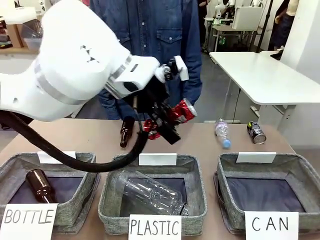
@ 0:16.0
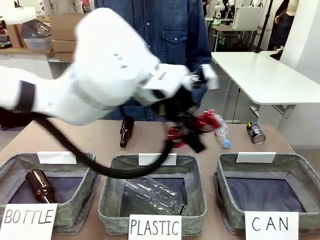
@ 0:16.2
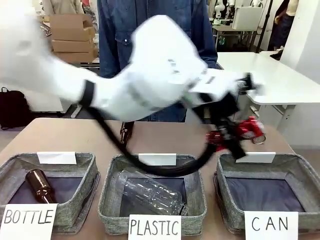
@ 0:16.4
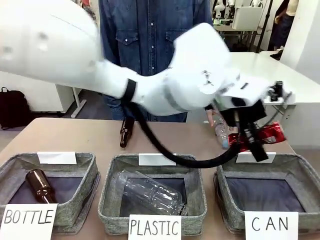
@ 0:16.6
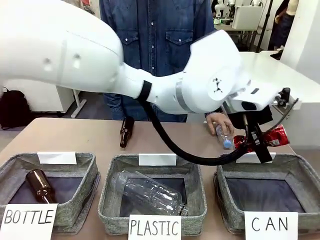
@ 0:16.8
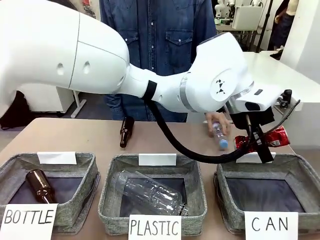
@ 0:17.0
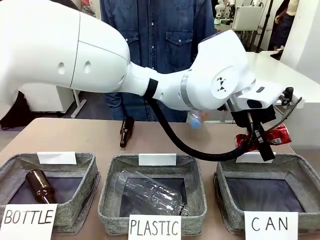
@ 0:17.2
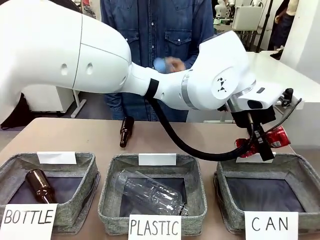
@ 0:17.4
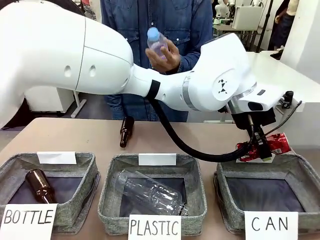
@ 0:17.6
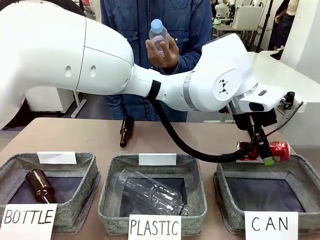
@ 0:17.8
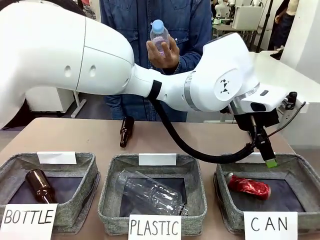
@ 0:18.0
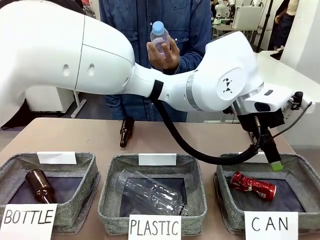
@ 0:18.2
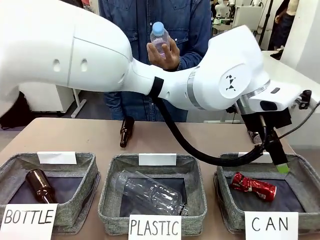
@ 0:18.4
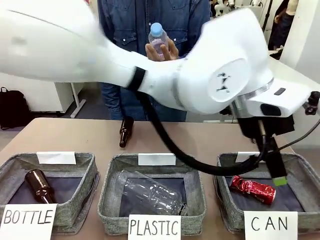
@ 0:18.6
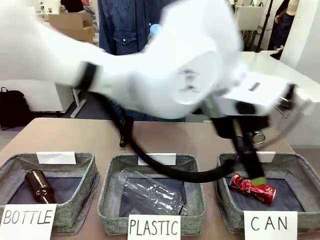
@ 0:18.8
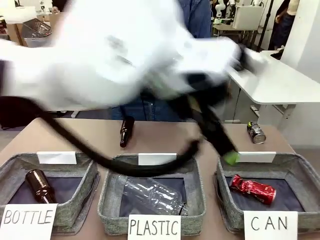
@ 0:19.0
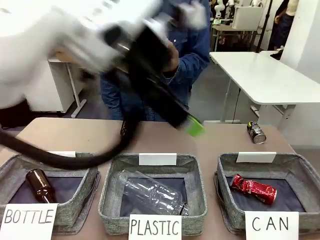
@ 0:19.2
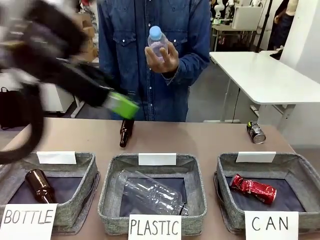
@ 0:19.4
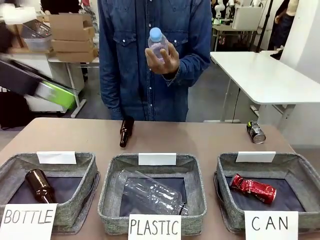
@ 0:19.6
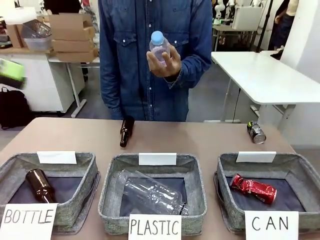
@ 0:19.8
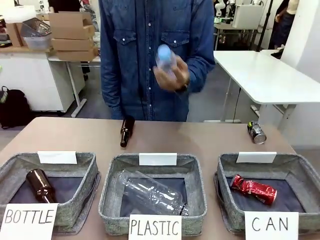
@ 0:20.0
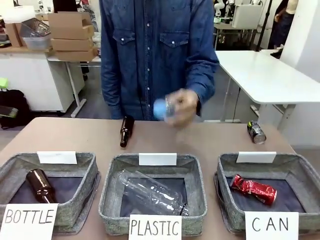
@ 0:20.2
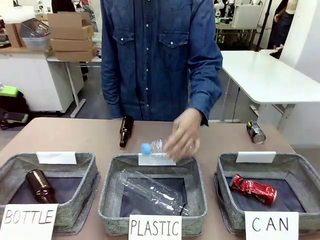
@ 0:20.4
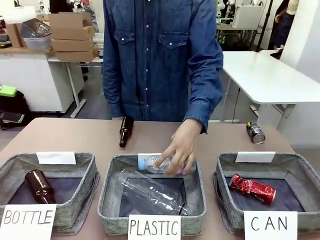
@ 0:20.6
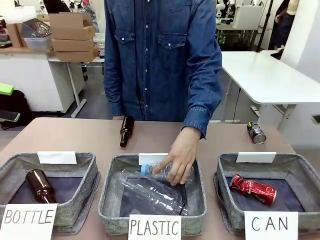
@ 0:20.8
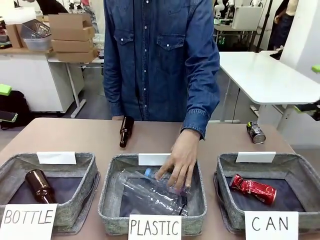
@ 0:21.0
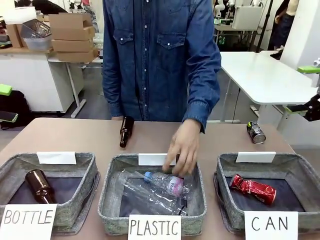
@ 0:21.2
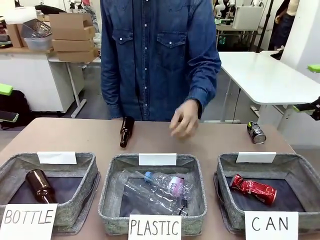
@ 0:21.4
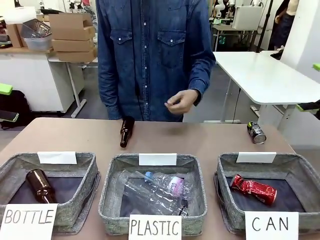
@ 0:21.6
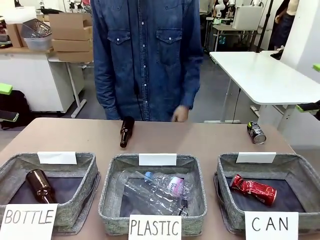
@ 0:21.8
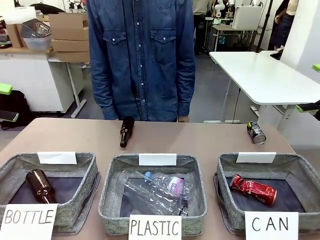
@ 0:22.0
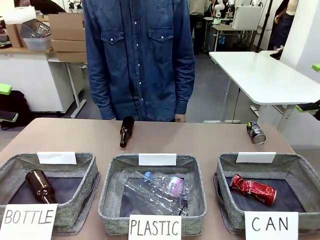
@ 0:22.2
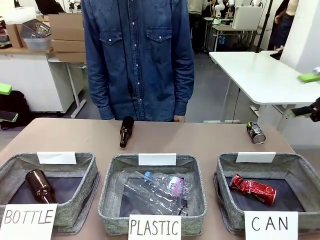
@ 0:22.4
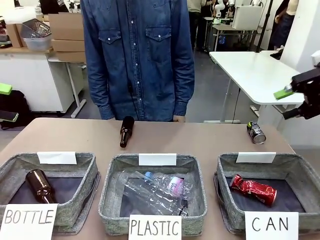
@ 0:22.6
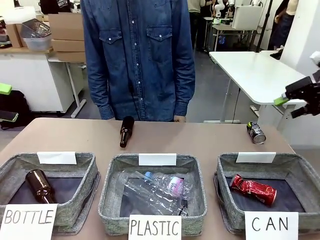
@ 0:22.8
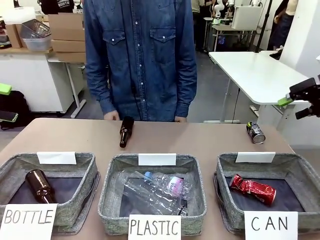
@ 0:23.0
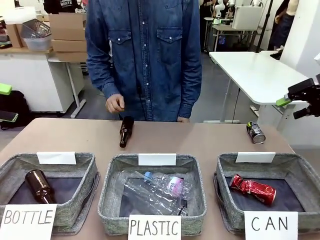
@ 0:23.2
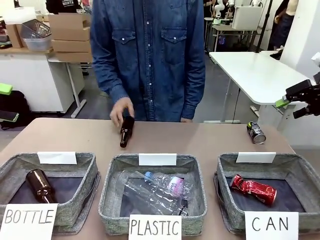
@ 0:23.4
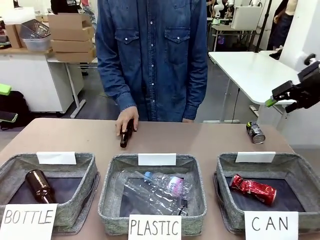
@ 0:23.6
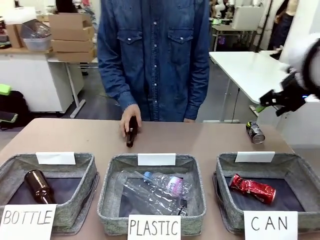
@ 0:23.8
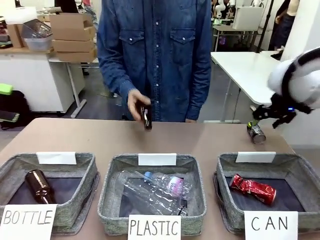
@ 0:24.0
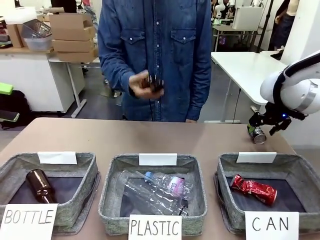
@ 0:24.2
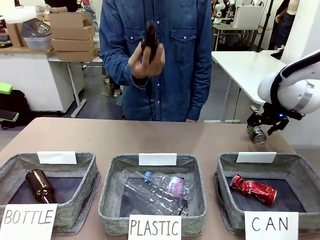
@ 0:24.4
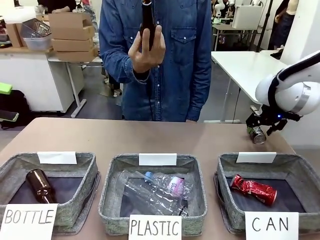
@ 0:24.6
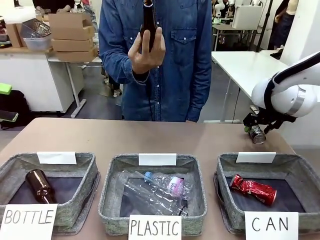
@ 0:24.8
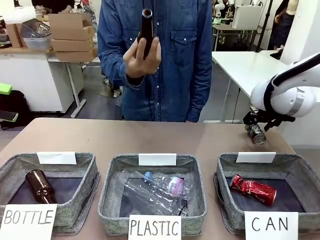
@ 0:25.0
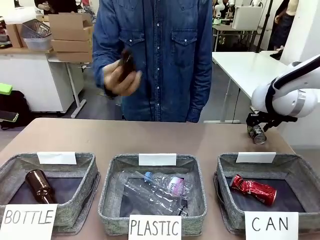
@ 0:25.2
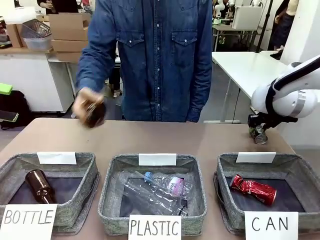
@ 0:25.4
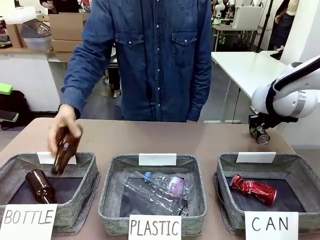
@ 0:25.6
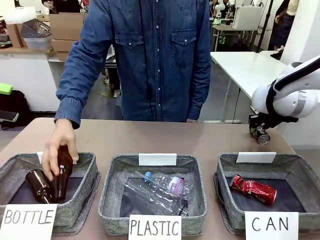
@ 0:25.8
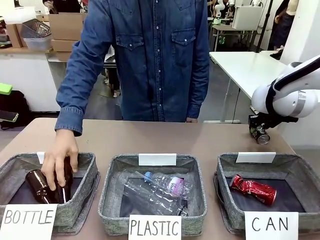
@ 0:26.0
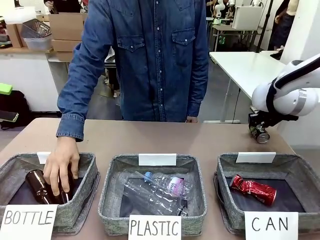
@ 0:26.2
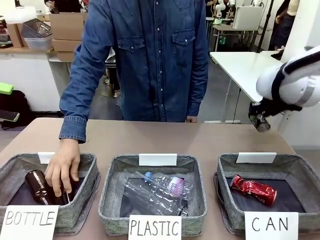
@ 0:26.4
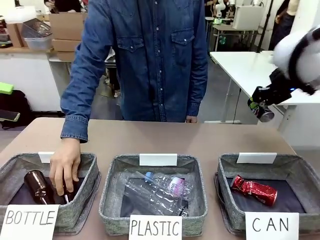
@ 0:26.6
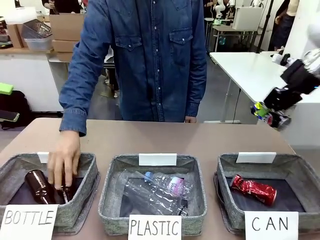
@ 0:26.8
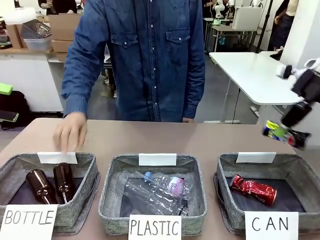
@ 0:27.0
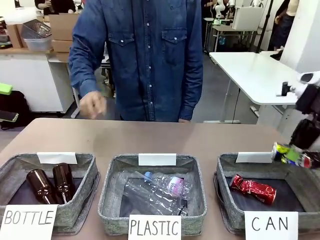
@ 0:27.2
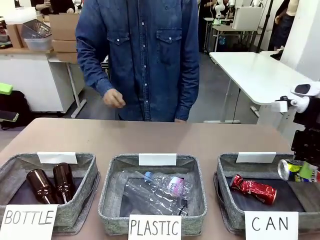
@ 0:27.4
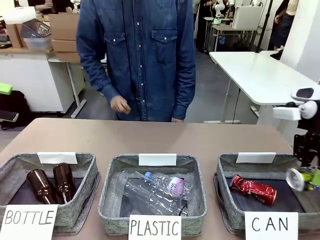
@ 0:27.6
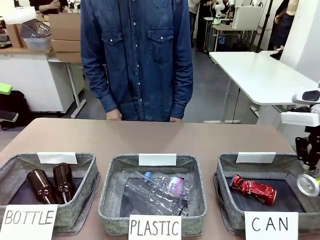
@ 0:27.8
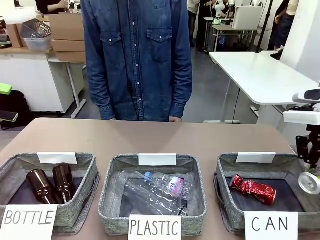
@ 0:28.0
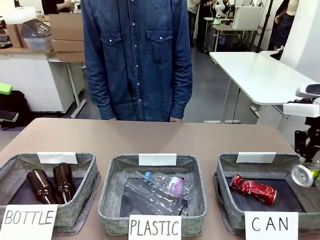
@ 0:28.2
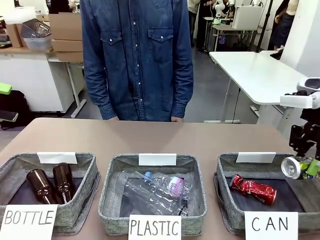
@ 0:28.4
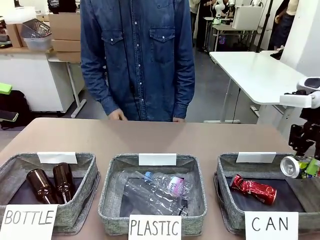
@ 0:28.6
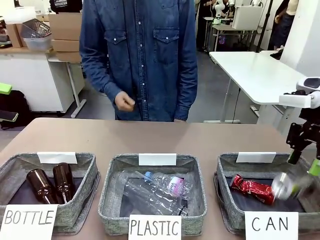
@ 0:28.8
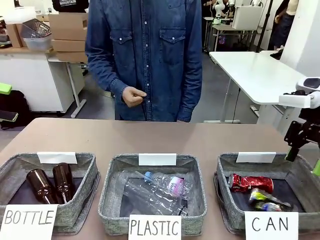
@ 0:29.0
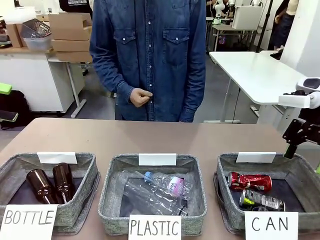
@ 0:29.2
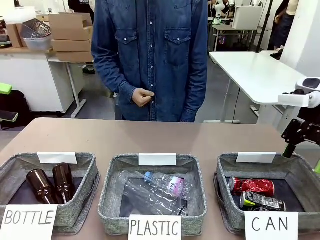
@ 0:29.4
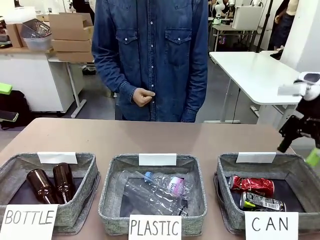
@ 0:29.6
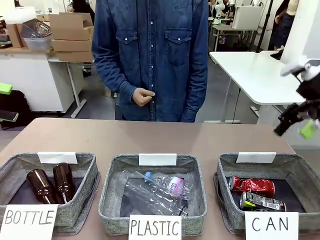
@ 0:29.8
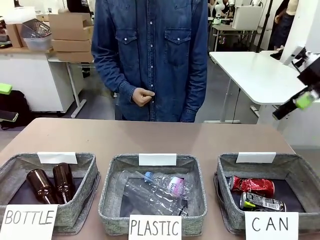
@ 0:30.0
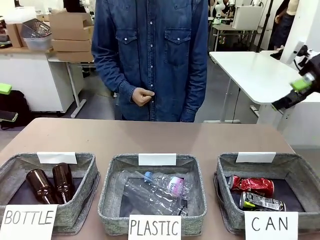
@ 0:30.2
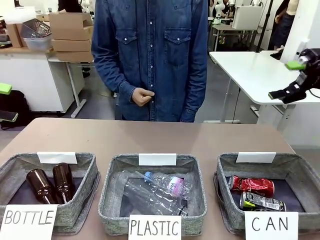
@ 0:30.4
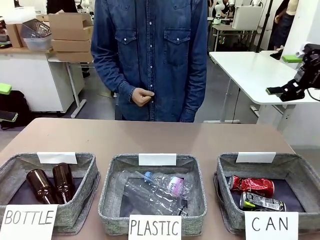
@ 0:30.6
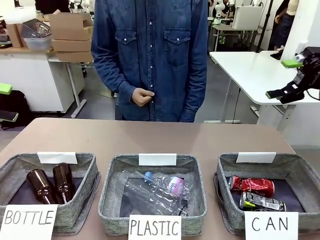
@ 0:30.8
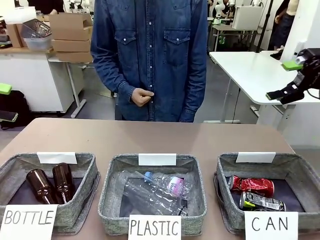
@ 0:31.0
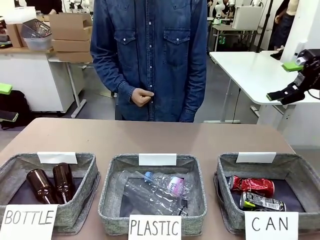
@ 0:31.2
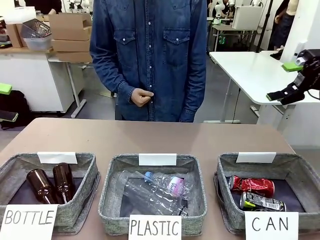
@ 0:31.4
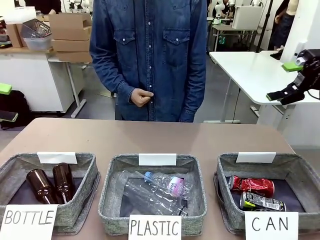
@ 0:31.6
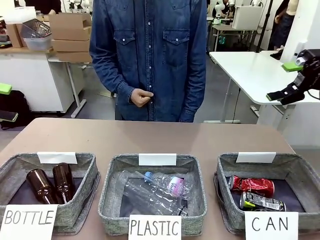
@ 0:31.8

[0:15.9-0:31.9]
Task: Sort the can waste into the basket.
Robot: Pick up the can waste from the table and place it in the right Fabric basket.
Person: The human picks up one piece of trash that is not a can and places the trash into the appropriate organizing basket.
